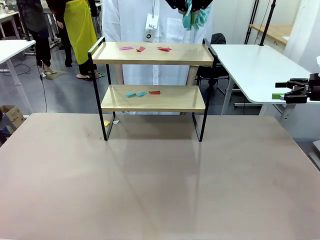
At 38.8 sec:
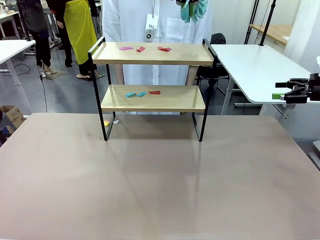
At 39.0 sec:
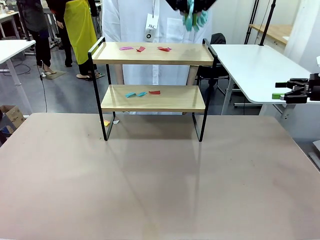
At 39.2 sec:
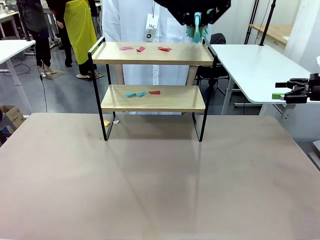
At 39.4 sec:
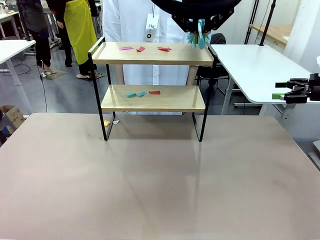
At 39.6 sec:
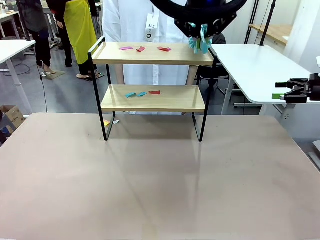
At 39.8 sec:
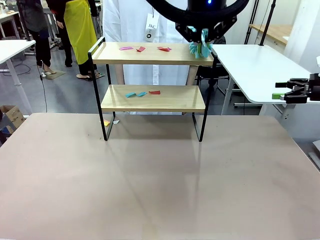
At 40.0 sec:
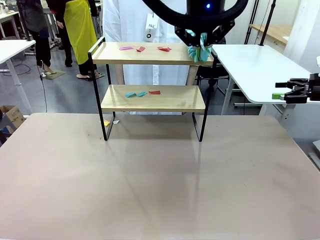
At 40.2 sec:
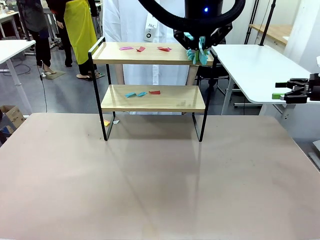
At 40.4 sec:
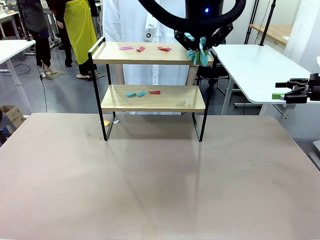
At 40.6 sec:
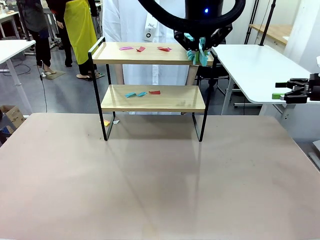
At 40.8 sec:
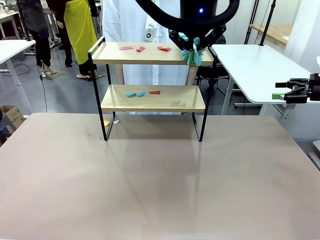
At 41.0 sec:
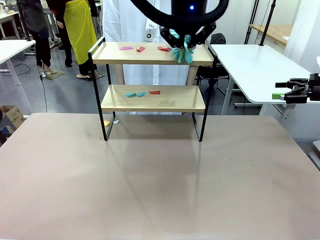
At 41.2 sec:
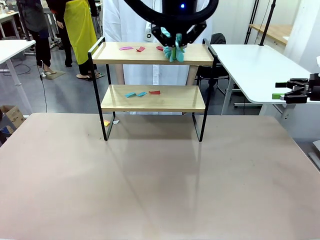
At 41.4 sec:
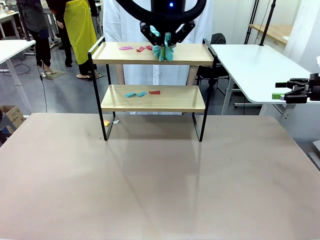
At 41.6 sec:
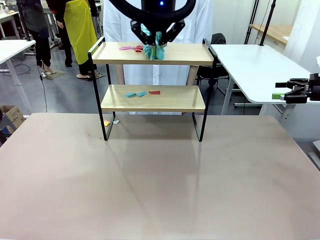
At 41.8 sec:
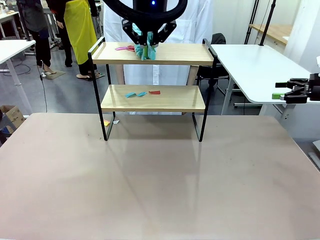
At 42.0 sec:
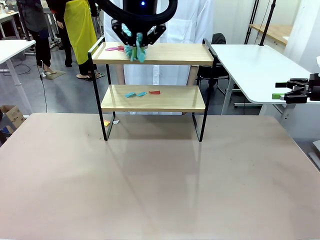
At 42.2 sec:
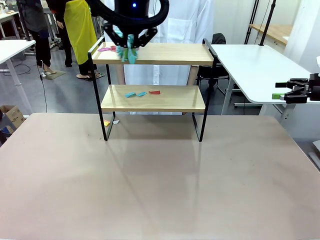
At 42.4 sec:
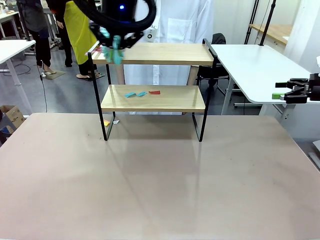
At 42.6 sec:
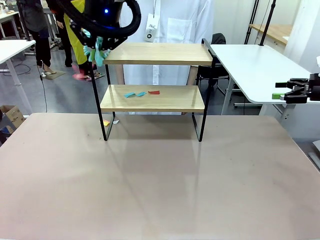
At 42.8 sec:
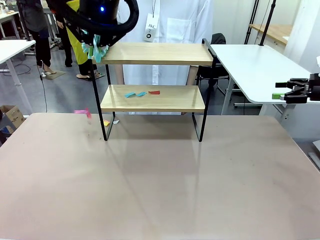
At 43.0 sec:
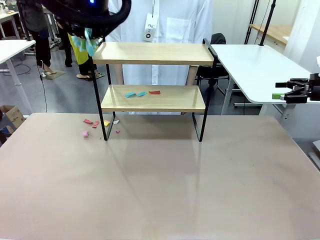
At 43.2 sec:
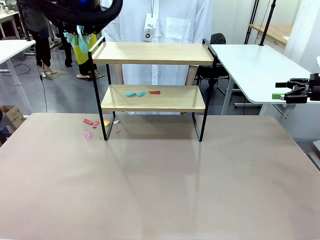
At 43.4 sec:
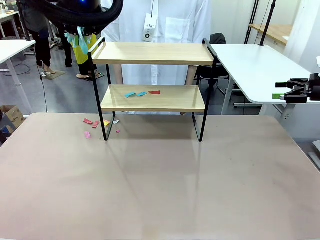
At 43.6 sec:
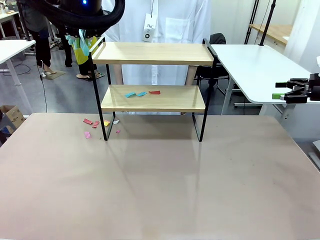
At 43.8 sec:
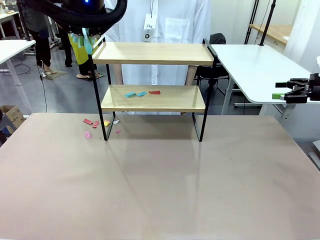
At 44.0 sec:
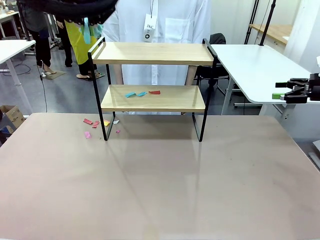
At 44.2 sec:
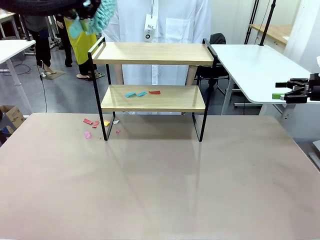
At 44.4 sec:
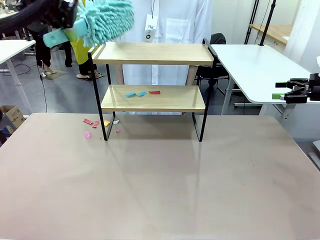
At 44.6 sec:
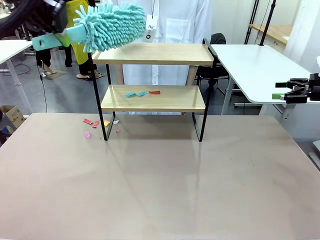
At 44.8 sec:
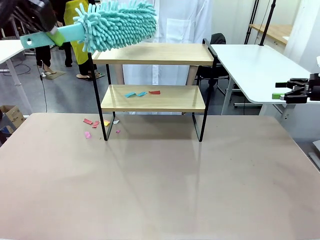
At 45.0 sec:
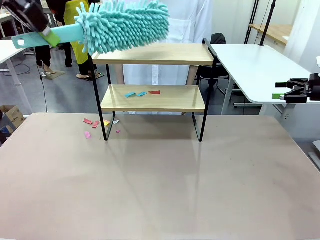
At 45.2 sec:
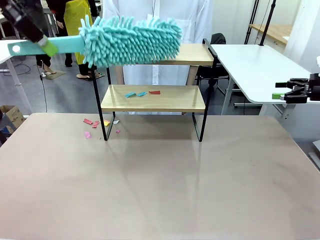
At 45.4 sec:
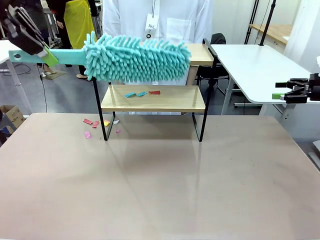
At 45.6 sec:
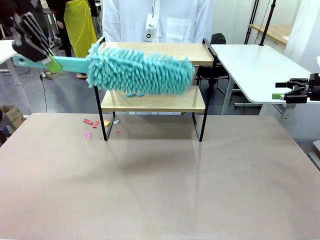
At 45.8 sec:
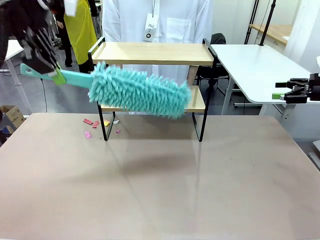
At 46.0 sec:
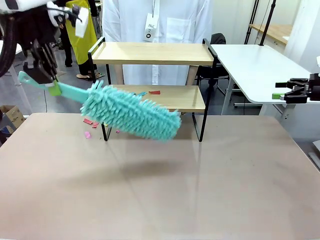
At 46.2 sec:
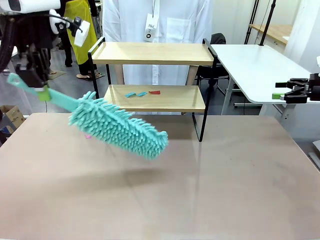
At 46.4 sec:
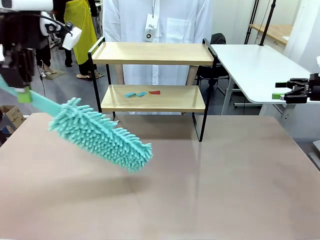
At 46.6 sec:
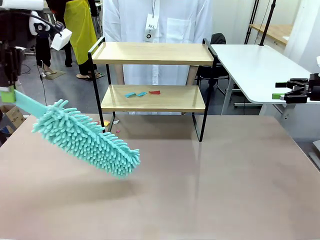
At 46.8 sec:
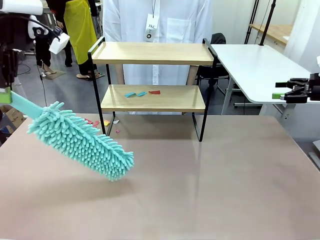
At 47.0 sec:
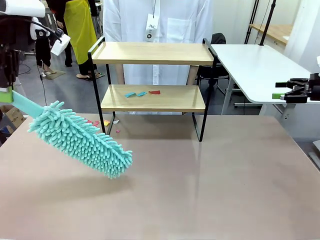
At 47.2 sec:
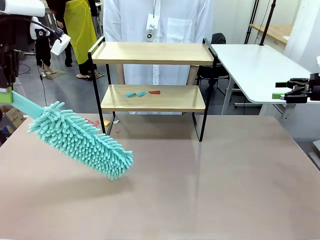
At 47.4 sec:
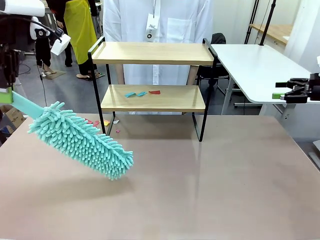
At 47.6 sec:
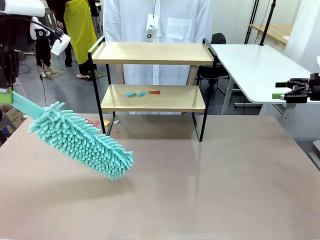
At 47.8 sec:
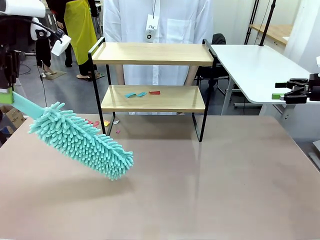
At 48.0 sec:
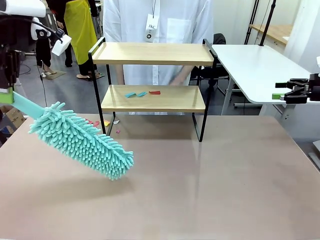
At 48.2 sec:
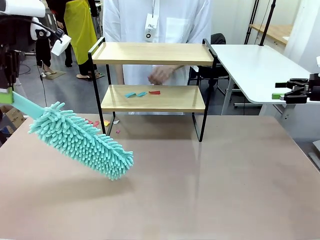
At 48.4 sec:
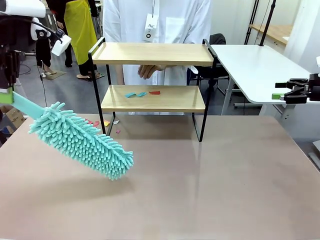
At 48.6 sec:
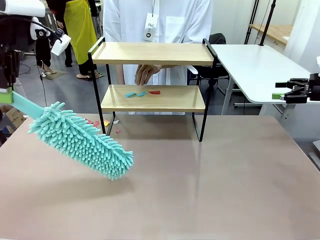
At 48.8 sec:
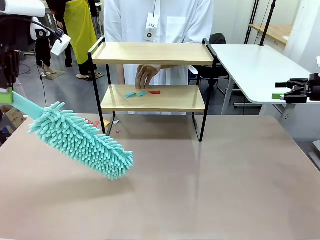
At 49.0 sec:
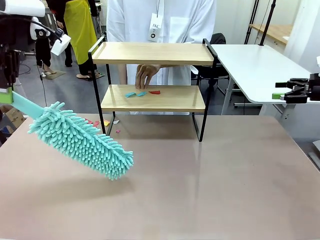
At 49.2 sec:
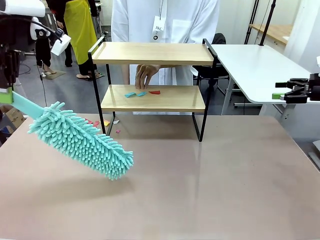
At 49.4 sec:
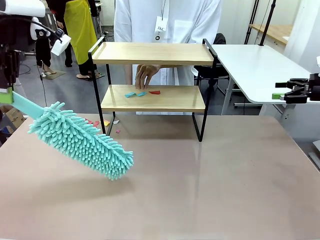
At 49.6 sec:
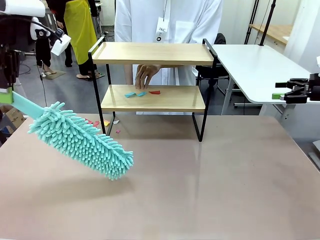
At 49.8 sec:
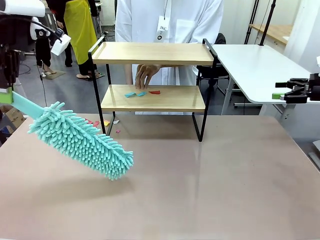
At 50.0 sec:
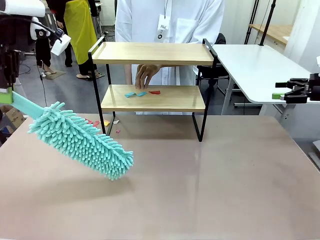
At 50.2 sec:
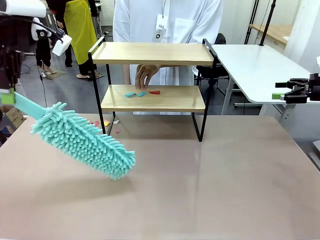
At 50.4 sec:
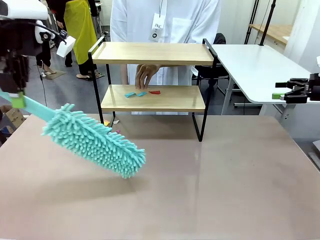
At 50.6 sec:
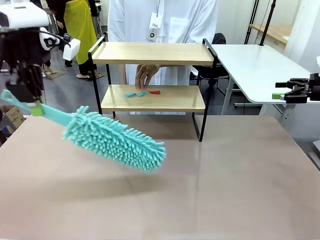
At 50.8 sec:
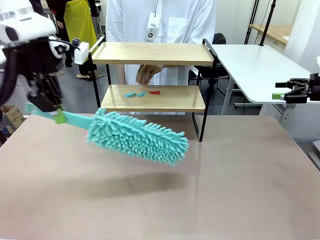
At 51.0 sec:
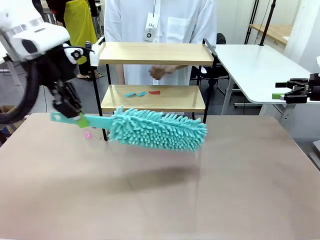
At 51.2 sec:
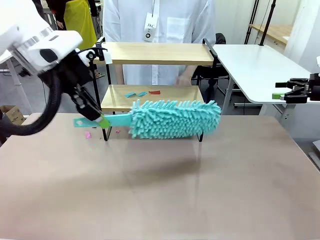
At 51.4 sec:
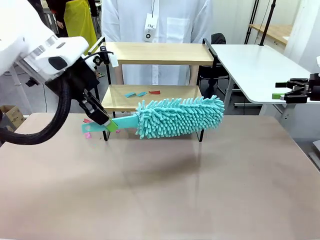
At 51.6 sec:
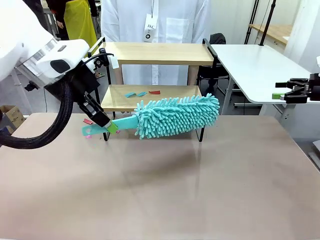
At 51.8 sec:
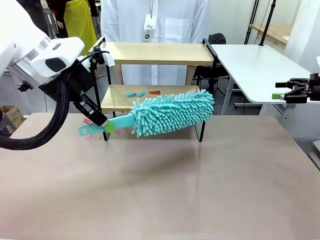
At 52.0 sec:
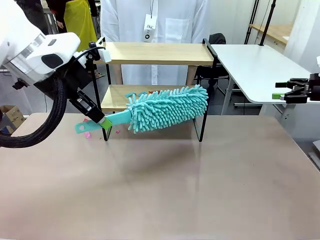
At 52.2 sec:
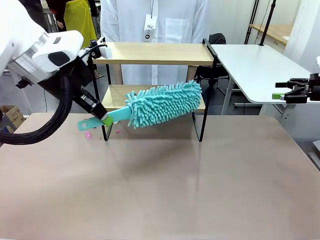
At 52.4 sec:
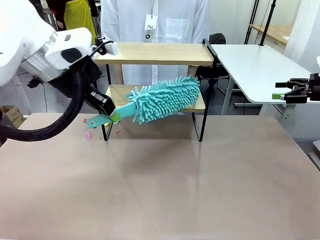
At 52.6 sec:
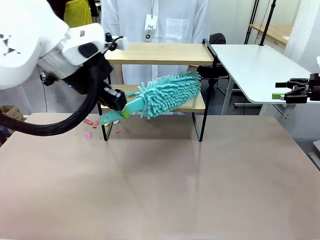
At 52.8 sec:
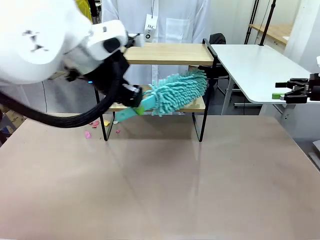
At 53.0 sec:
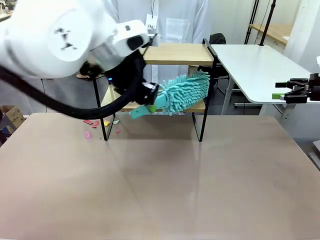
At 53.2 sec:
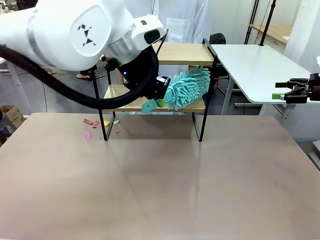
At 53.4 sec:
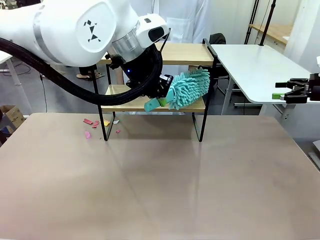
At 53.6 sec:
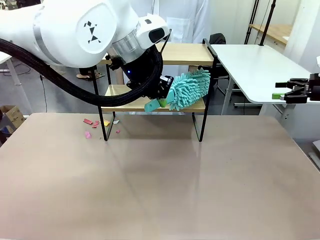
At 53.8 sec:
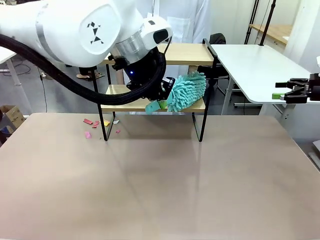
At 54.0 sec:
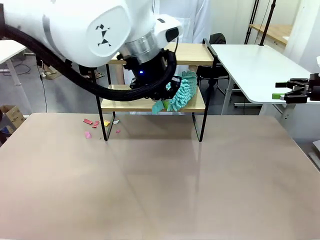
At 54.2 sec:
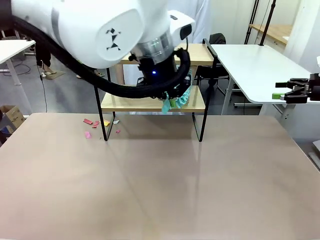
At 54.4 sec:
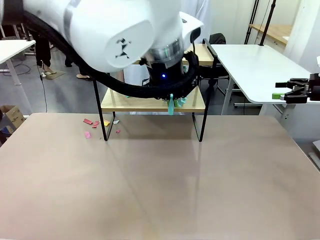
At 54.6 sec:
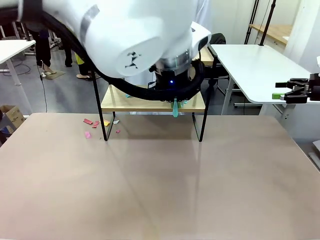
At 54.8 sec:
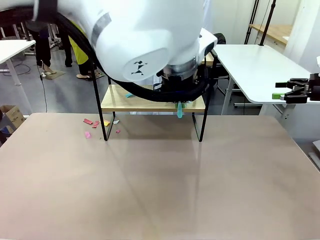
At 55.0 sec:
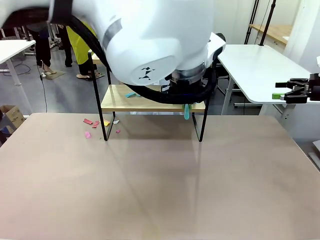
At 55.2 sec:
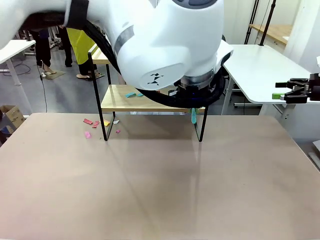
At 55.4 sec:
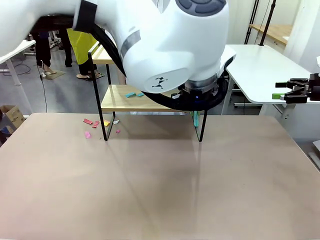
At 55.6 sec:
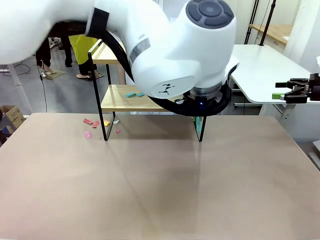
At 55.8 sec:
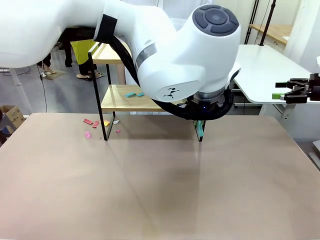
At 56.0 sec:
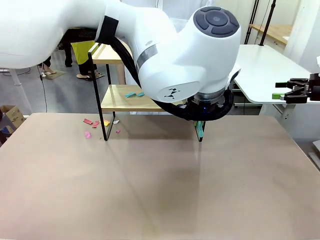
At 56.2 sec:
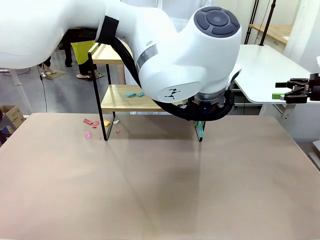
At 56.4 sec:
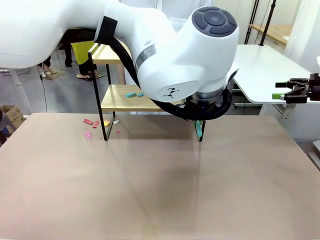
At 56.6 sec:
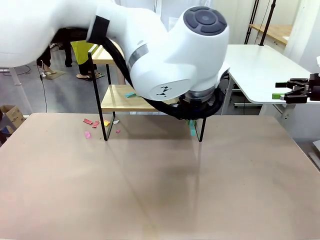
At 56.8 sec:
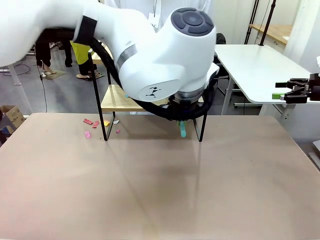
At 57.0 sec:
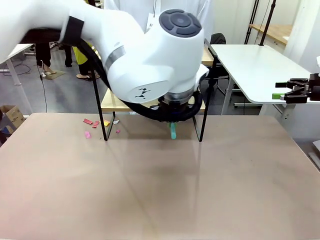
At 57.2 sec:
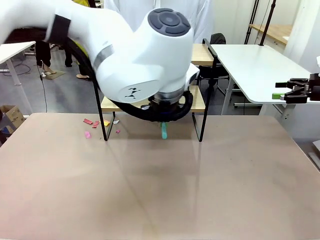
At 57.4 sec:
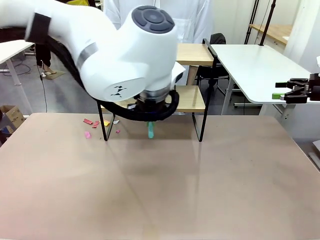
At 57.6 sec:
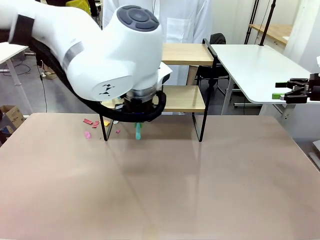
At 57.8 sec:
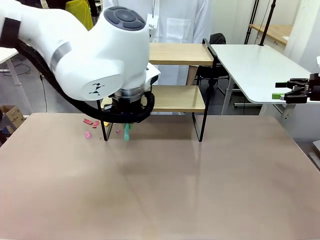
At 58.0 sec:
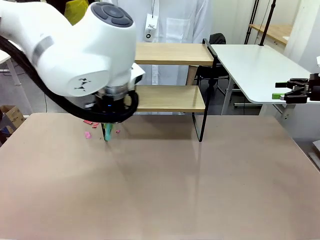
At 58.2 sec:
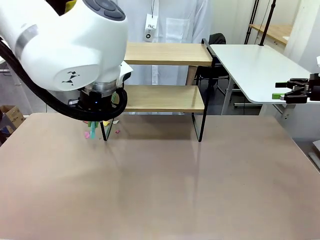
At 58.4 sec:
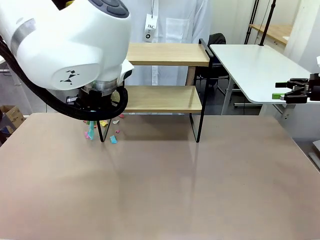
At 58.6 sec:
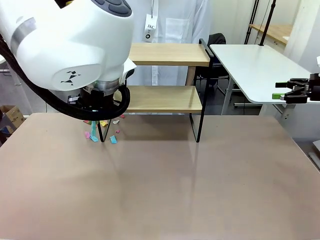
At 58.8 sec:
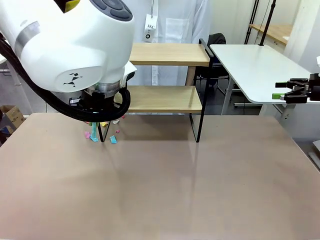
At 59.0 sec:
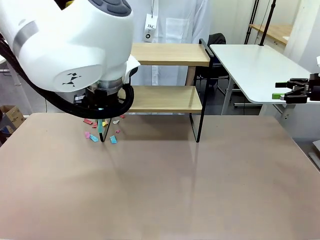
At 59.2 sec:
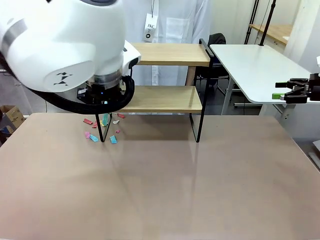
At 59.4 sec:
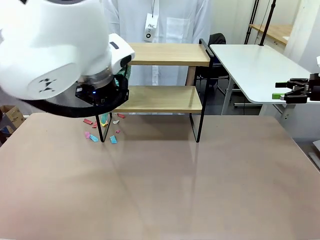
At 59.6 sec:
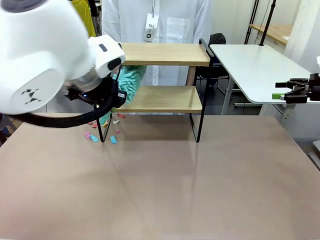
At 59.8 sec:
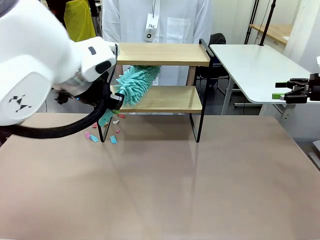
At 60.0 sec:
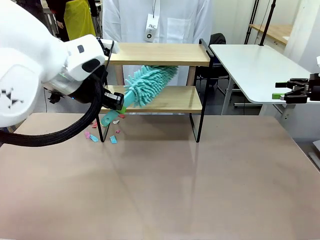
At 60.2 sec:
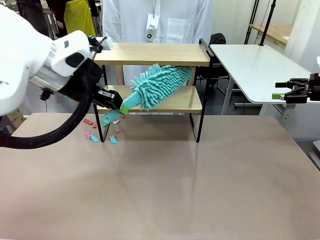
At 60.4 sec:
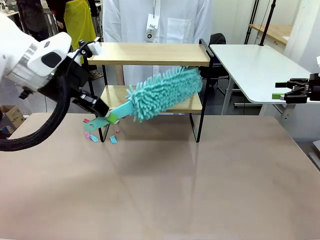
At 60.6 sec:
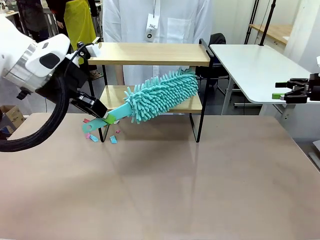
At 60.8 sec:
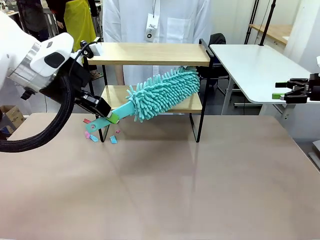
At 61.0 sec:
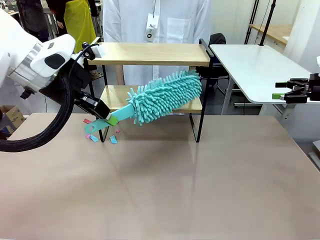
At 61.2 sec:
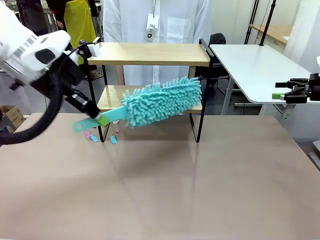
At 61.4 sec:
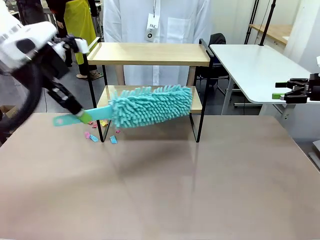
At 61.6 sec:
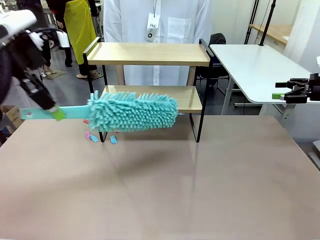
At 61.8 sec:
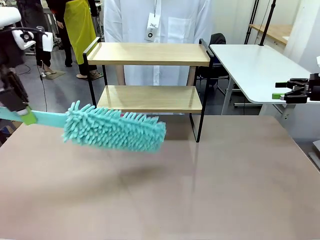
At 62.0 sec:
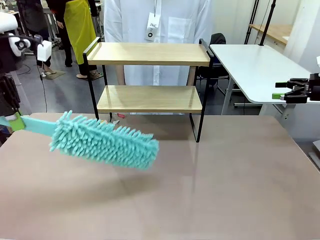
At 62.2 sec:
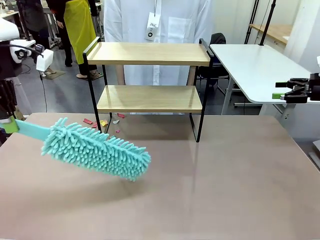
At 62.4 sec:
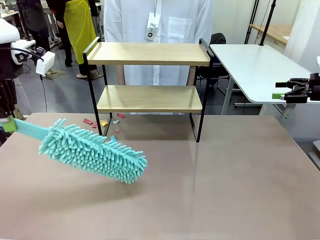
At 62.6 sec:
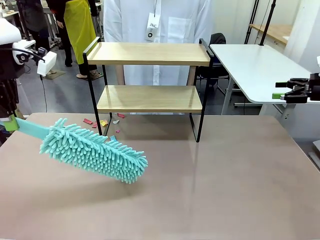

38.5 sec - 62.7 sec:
Task: Clean the shelf.
Robot: Clean the specific section of the Shelf indicated by the human with the Duster.
Person: Point a remaining section of the Shelf.
